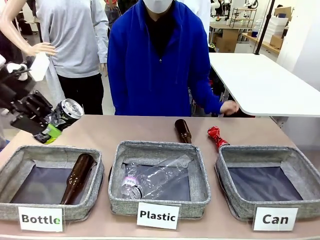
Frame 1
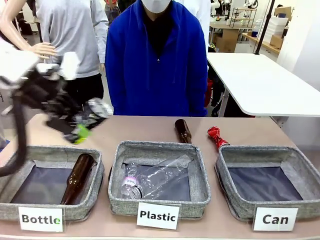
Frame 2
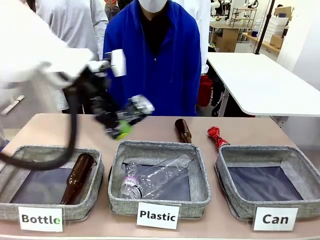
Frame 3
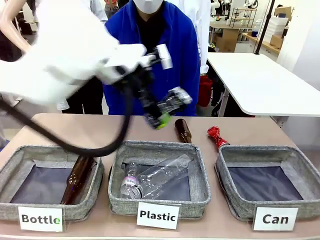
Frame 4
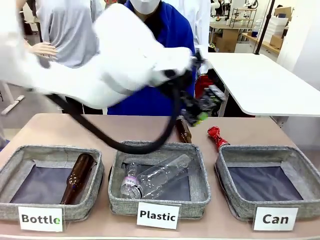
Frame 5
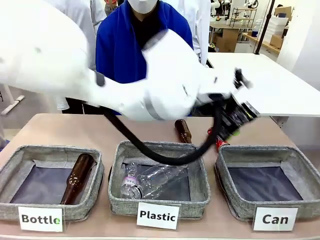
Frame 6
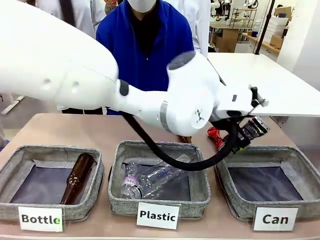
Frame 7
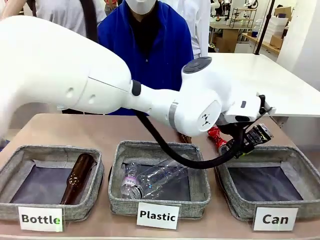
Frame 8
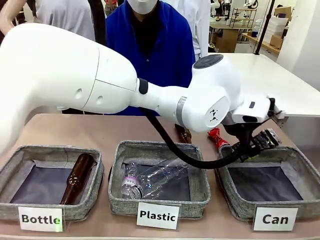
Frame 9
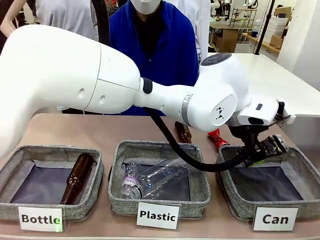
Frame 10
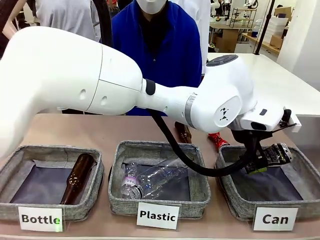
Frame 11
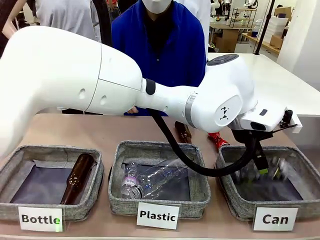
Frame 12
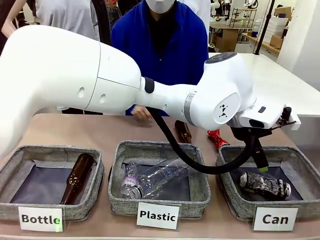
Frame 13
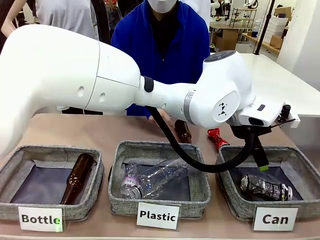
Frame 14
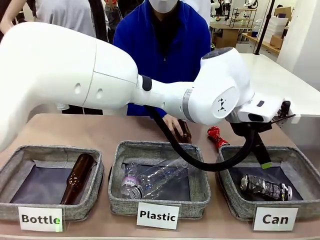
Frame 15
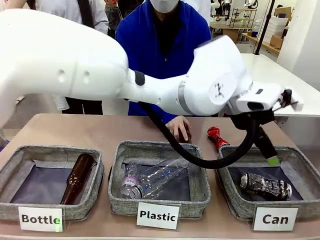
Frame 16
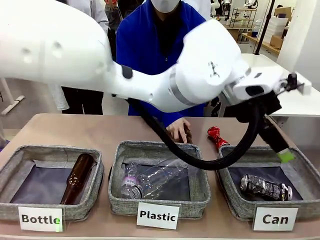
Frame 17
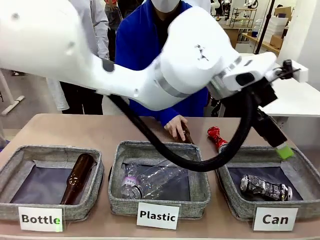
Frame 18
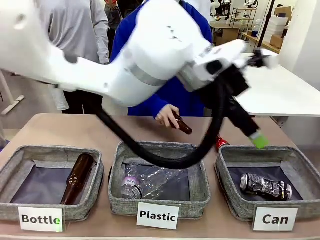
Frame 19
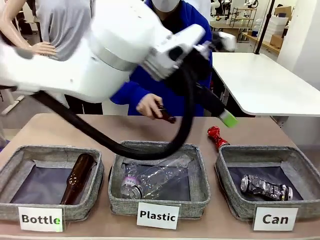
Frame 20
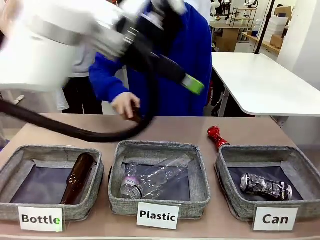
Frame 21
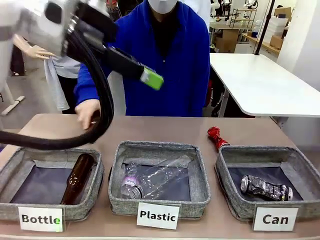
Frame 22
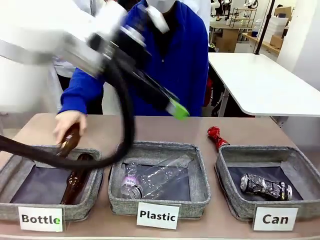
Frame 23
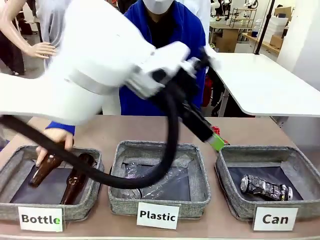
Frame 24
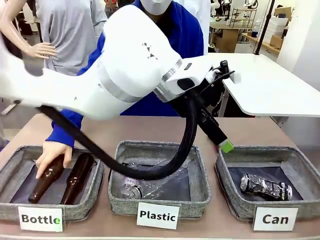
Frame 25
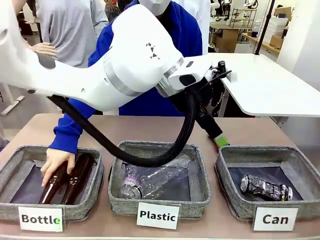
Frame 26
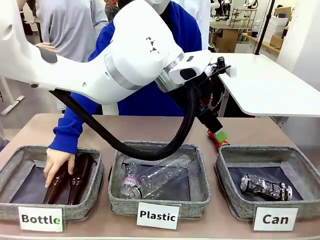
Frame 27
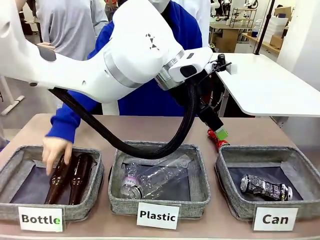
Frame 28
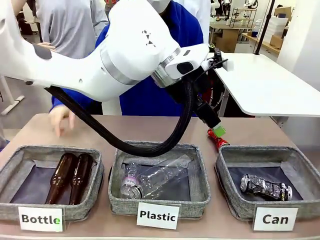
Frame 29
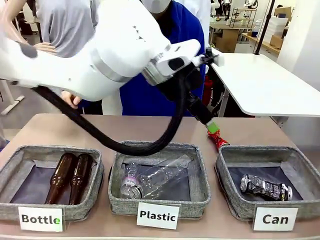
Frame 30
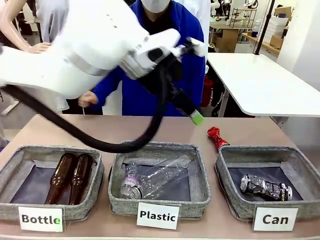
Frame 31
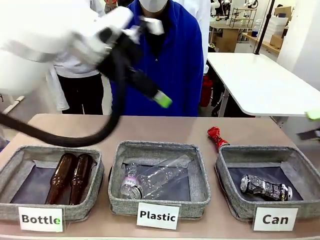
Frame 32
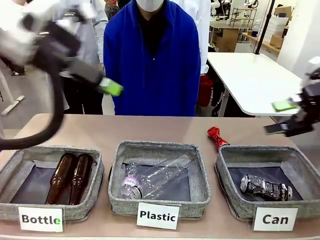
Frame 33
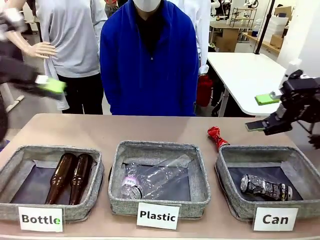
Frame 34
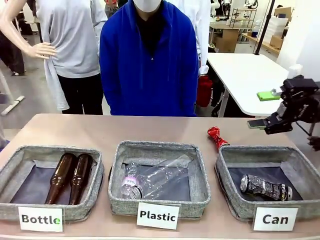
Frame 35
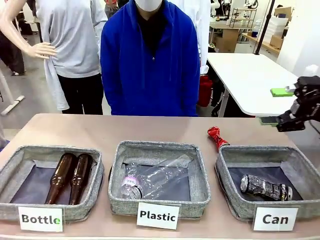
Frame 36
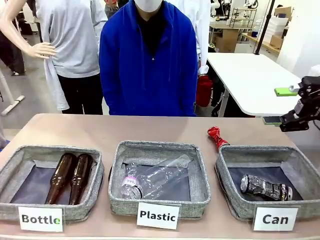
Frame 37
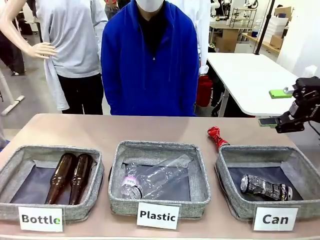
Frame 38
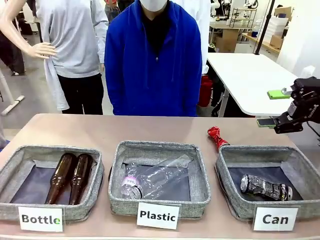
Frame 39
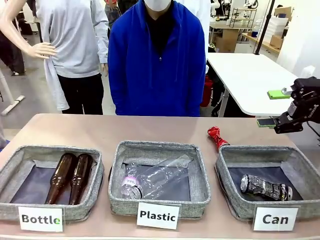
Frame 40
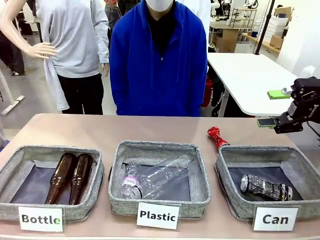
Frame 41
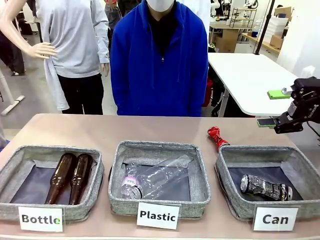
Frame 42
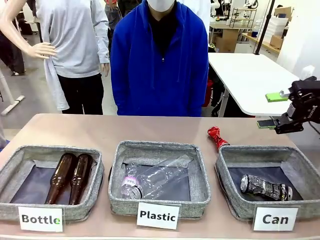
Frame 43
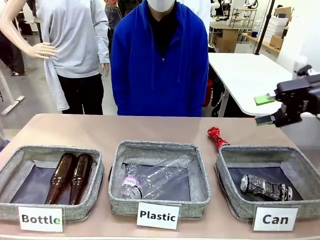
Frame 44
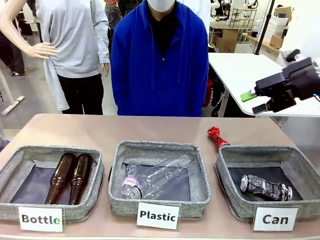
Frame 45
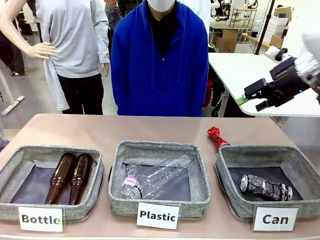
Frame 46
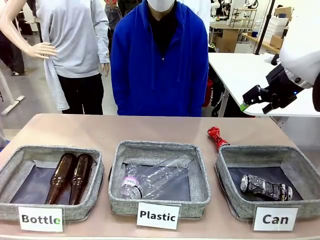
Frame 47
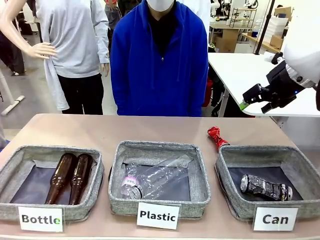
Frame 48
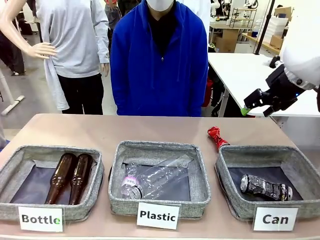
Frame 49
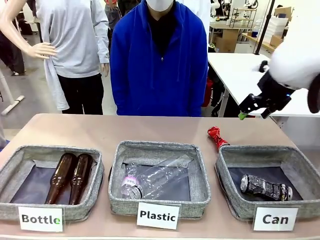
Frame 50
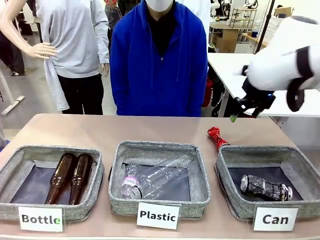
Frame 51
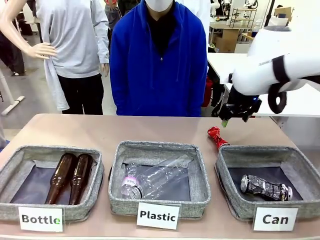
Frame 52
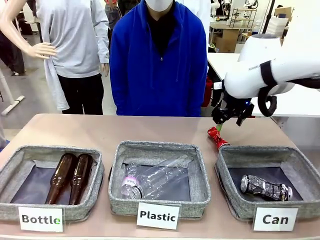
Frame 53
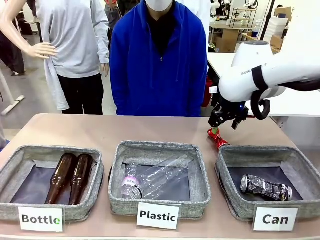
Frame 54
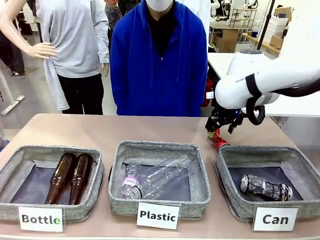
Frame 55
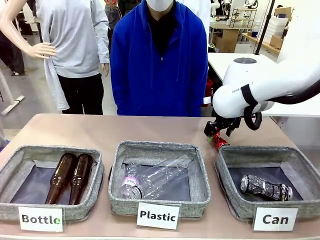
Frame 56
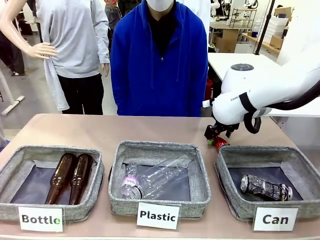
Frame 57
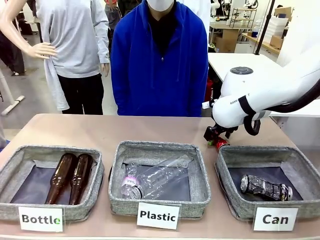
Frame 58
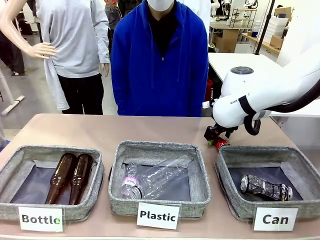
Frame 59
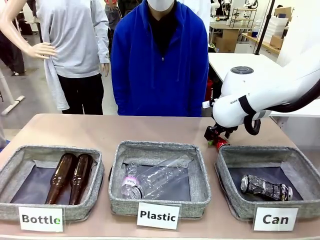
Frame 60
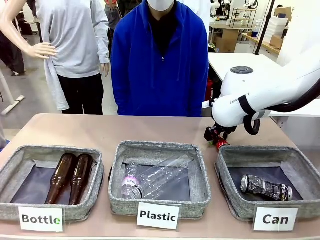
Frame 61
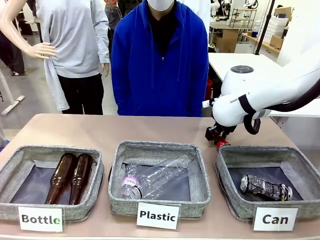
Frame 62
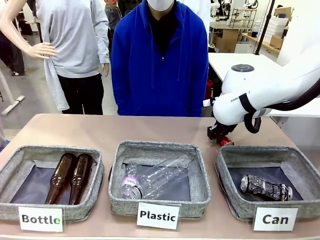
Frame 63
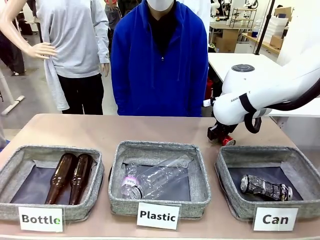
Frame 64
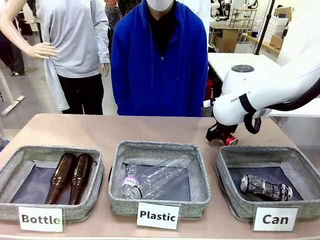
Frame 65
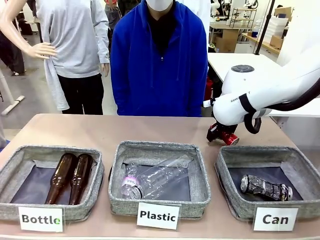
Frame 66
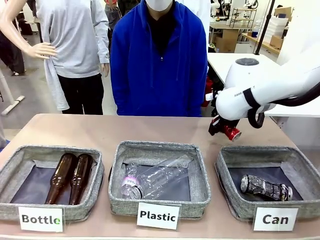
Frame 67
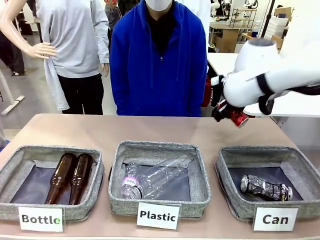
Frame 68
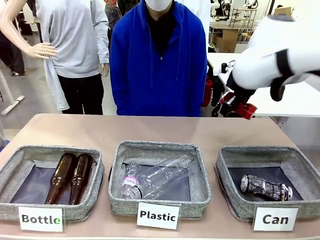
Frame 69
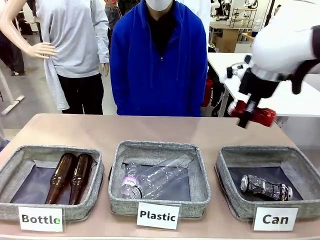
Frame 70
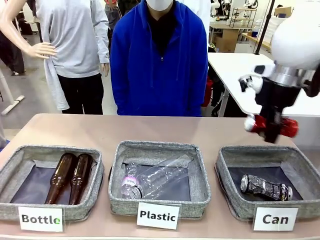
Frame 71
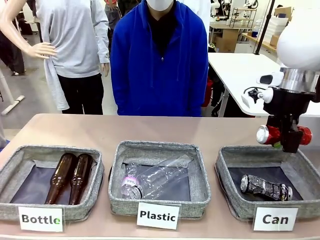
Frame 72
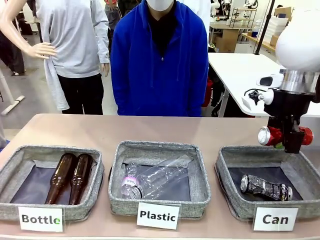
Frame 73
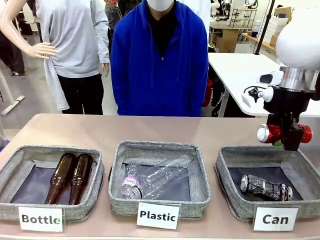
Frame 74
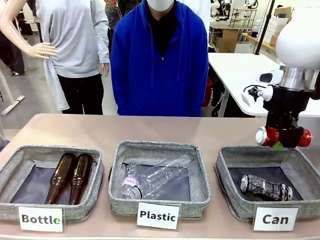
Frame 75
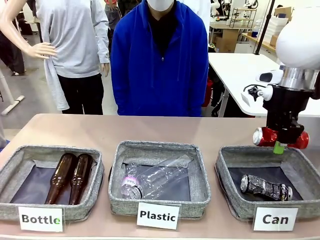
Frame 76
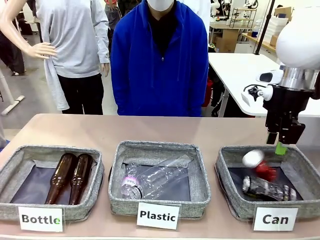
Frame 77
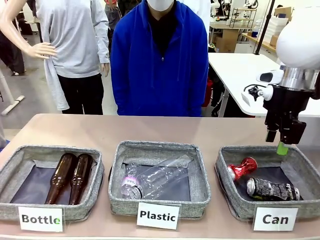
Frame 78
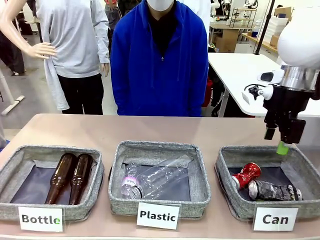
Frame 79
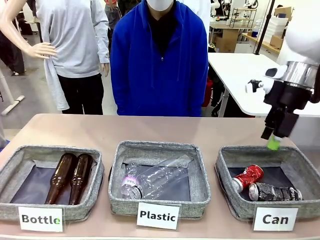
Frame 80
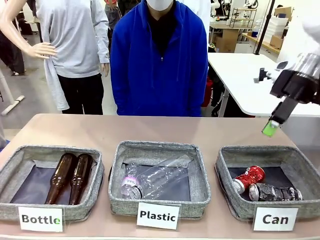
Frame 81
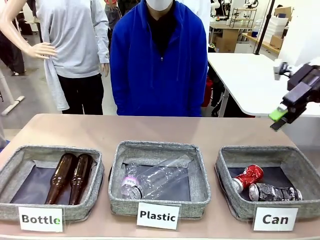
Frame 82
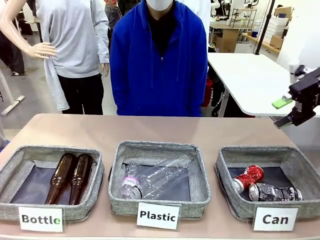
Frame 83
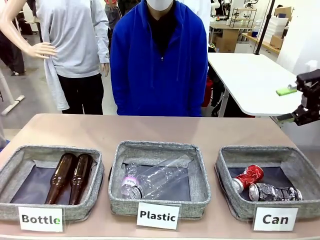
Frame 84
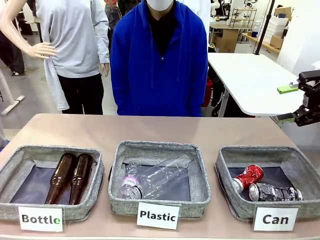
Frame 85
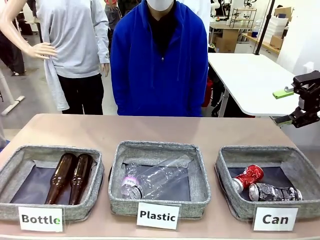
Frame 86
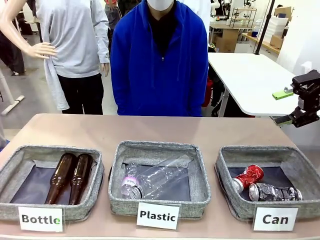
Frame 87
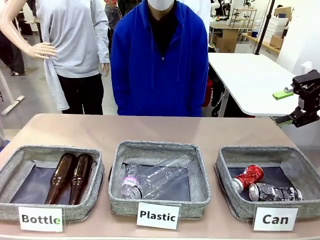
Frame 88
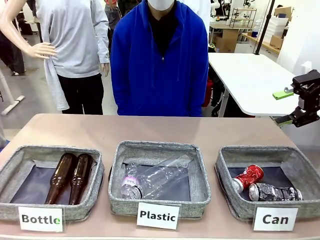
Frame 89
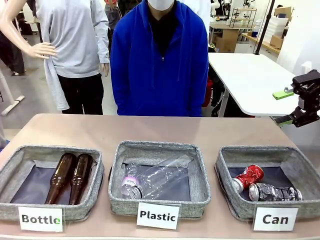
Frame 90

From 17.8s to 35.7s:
Task: Sort the can waste into the basket.
Robot: Pick up the can waste from the table and place it in the right Fabric basket.
Person: The human picks up one piece of trash that is not a can and places the trash into the appropriate organizing basket.
